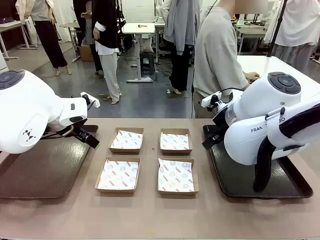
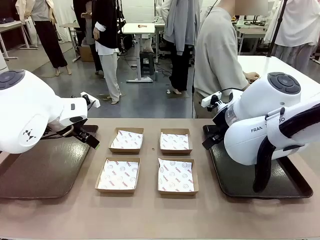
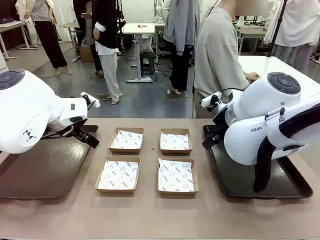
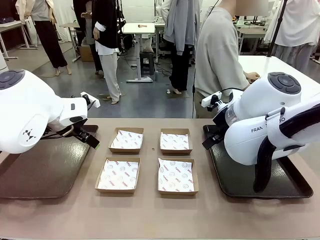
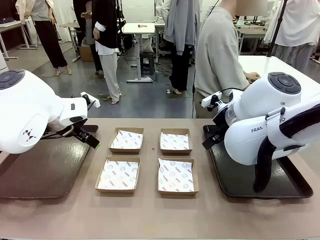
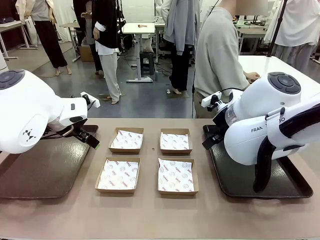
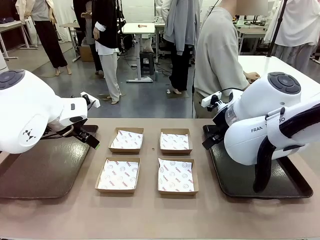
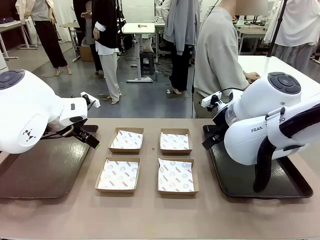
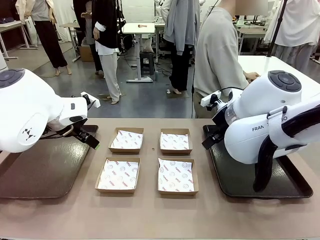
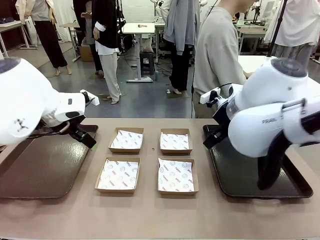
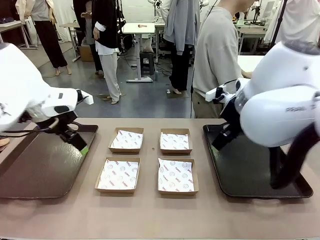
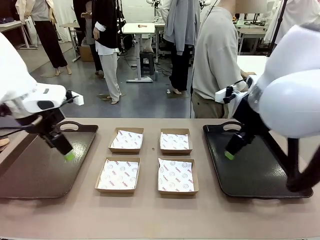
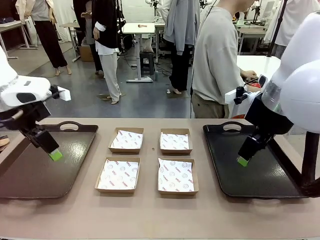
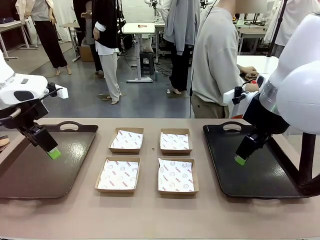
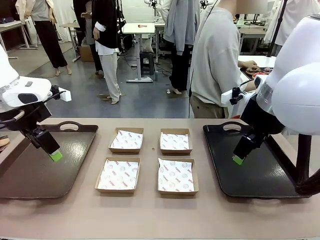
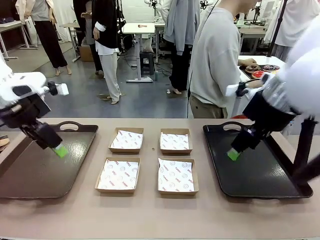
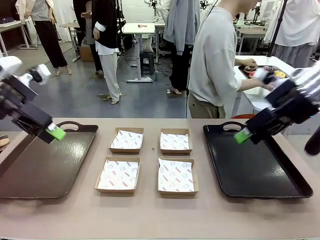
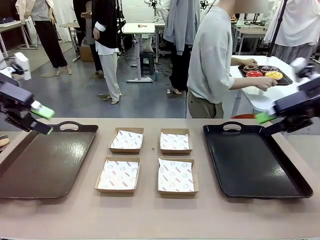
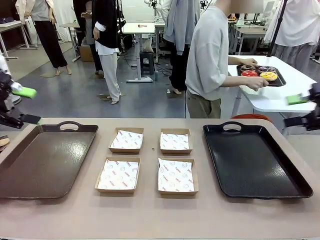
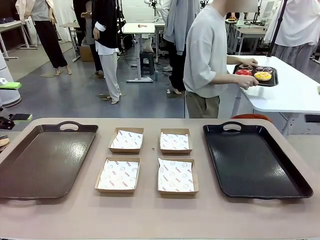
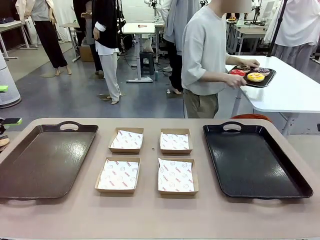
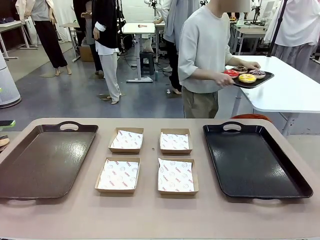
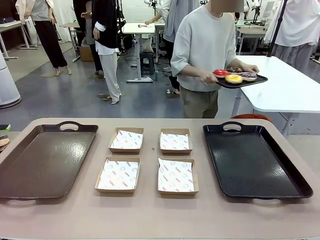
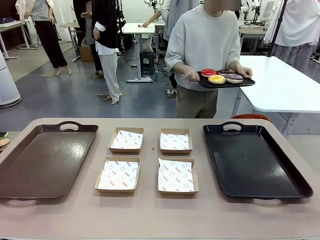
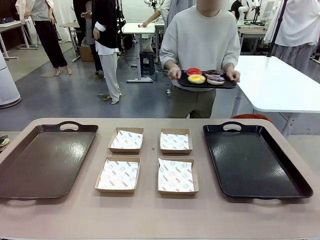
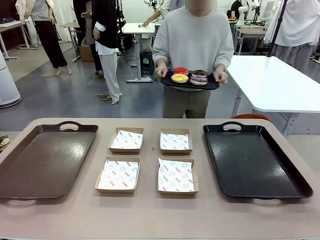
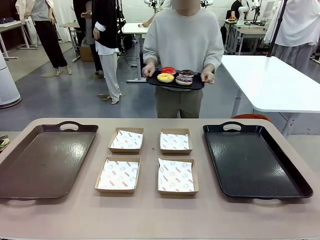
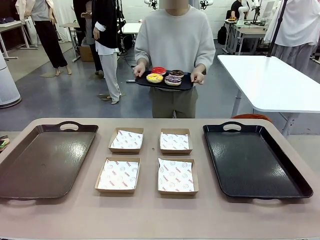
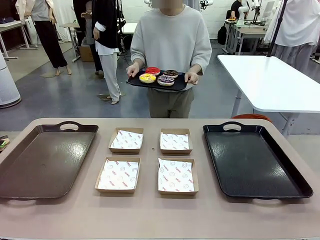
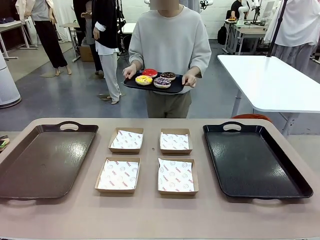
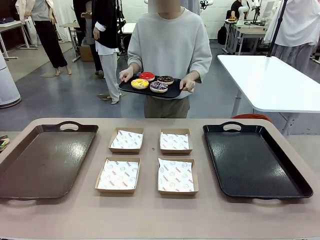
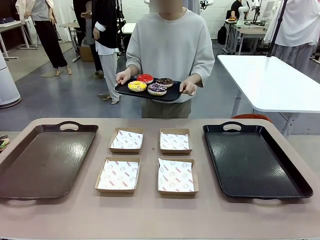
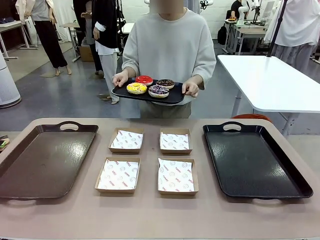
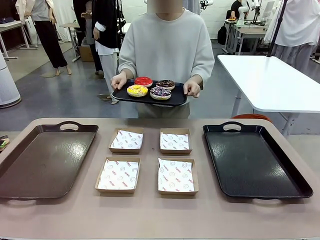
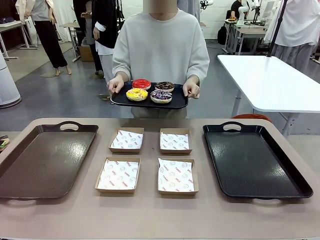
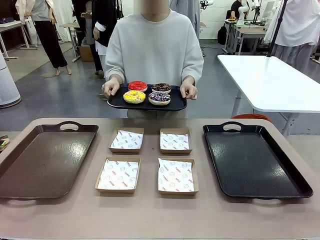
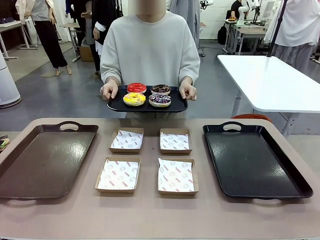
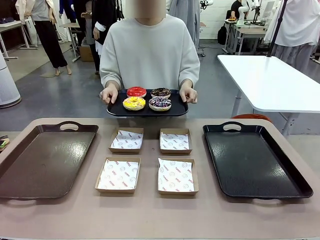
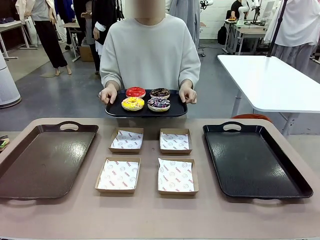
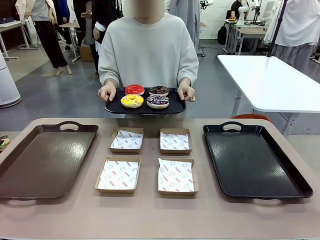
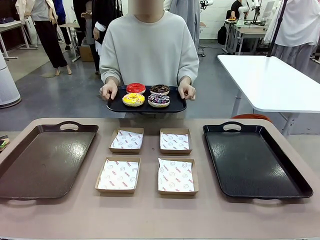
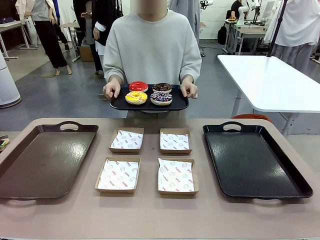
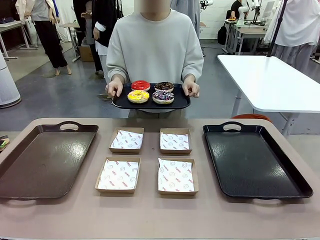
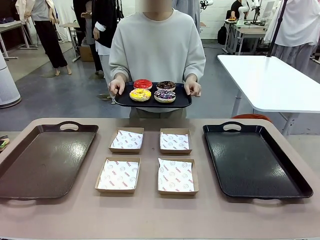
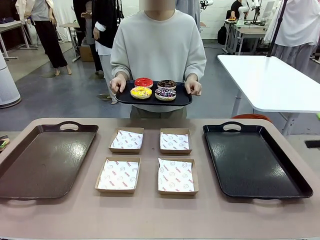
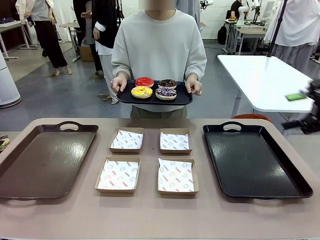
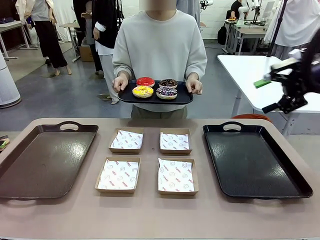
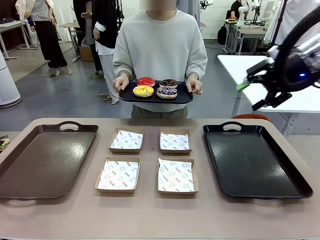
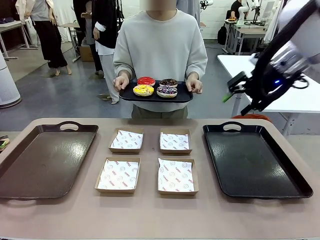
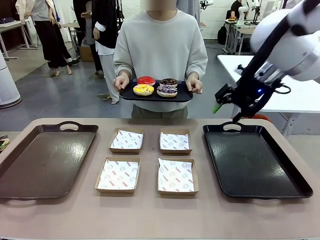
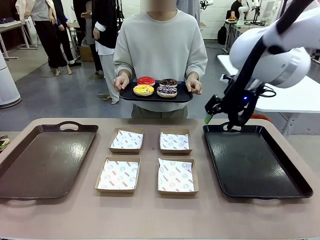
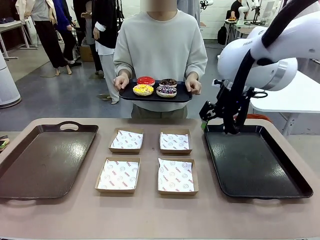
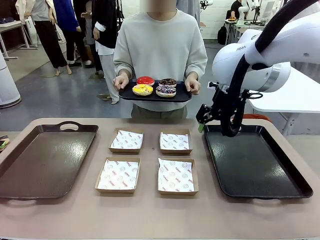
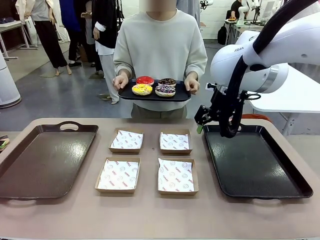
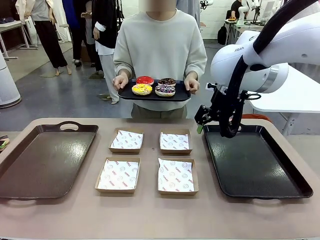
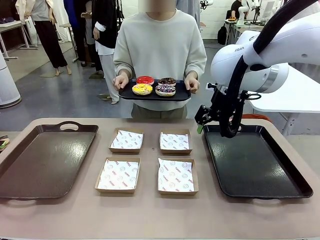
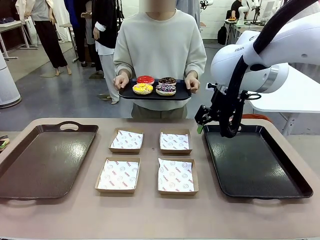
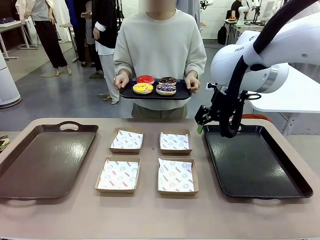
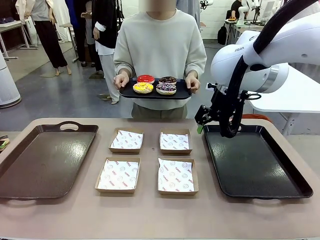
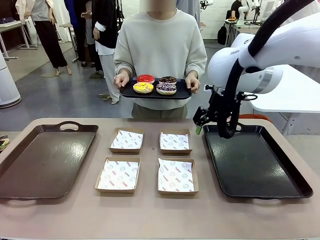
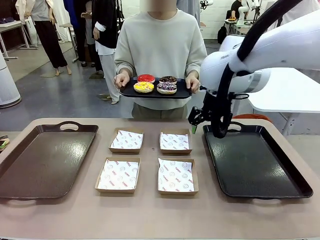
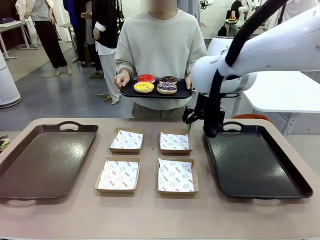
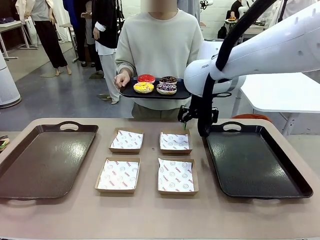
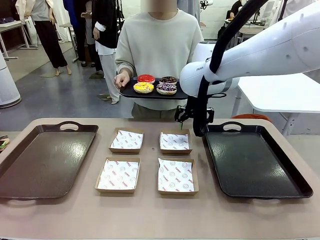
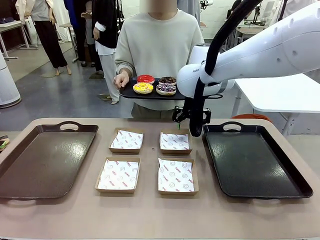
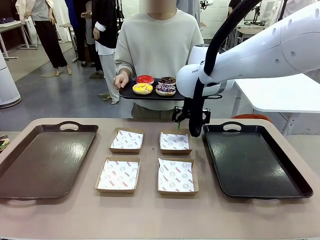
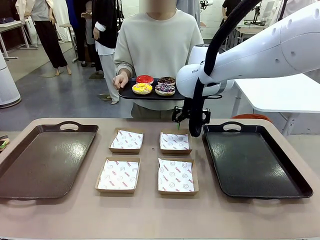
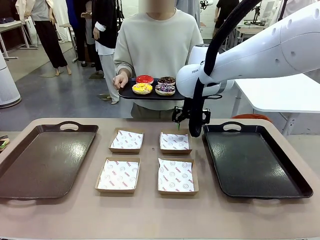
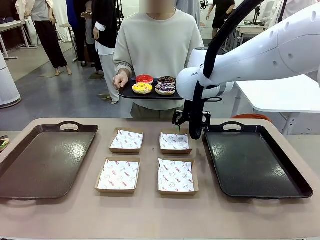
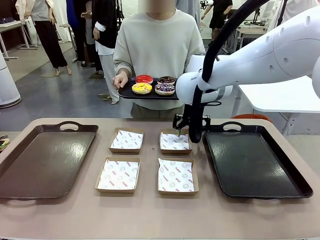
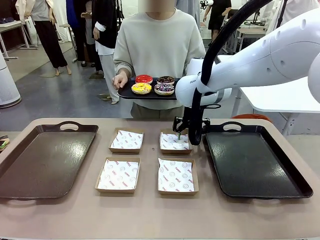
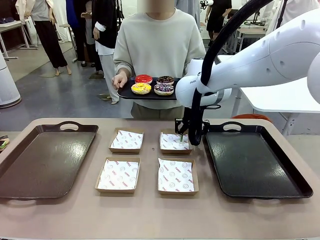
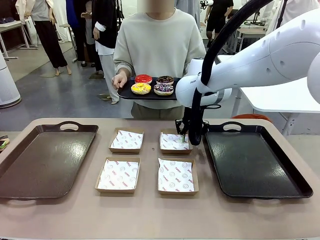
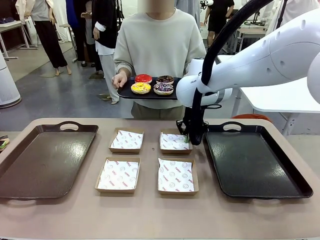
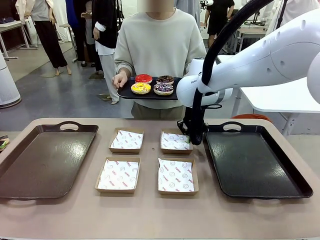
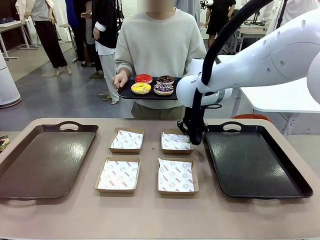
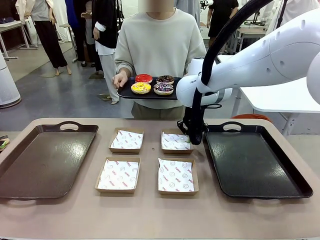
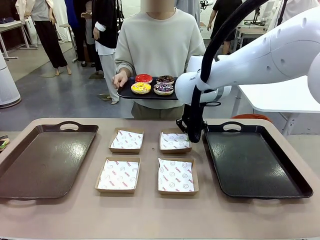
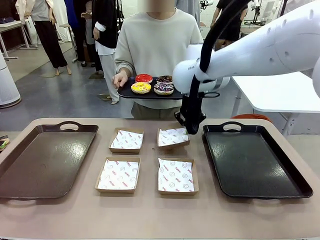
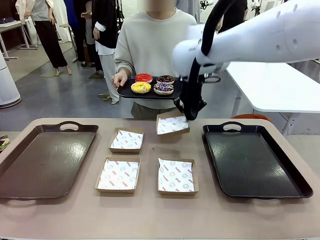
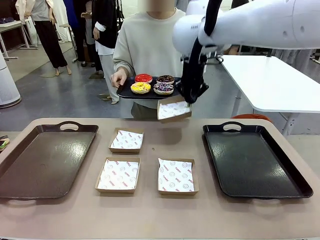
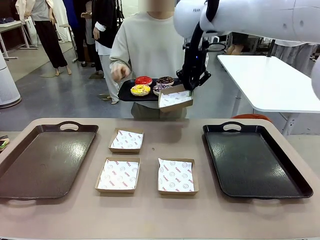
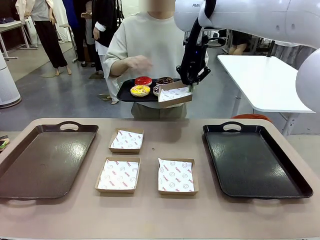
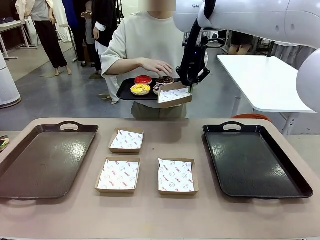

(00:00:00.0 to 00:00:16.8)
Task: Individually package the donuts and arrange them on the tray.
Robot: Pick up one Paper togo box.
Person: Stand in front of the robot table holding the tray containing the donuts.
